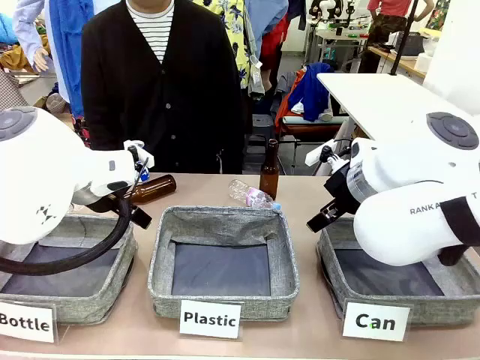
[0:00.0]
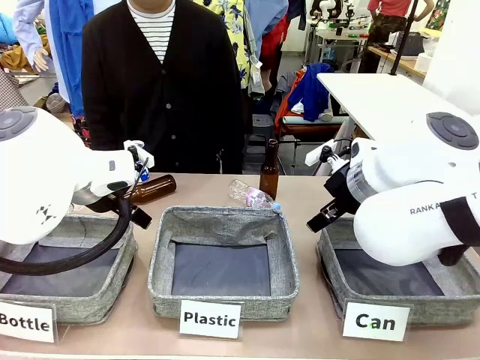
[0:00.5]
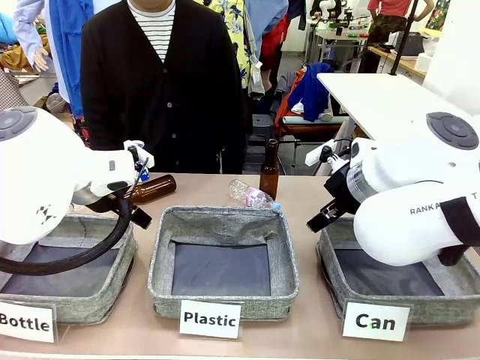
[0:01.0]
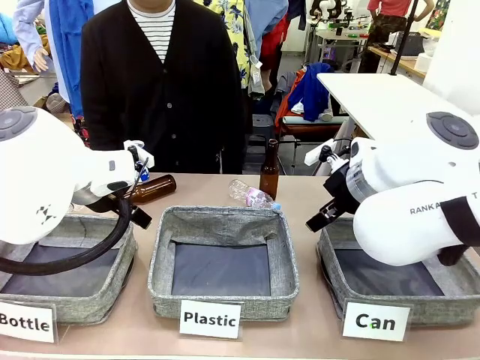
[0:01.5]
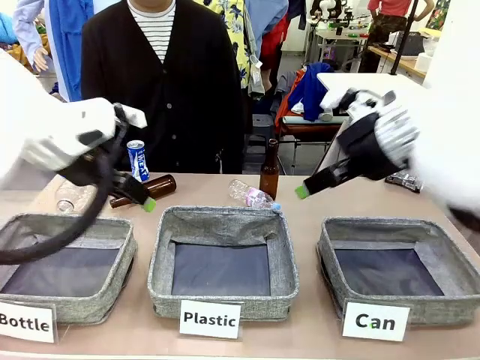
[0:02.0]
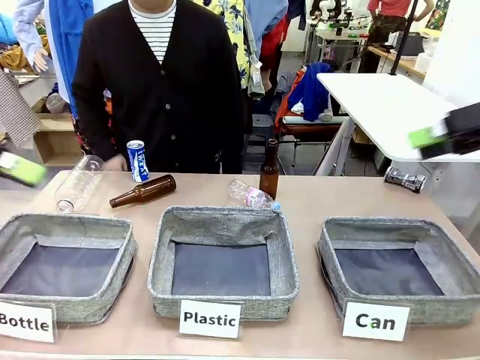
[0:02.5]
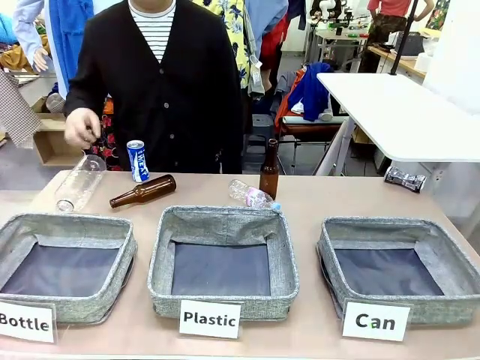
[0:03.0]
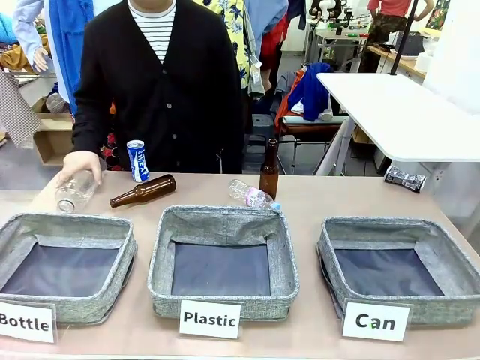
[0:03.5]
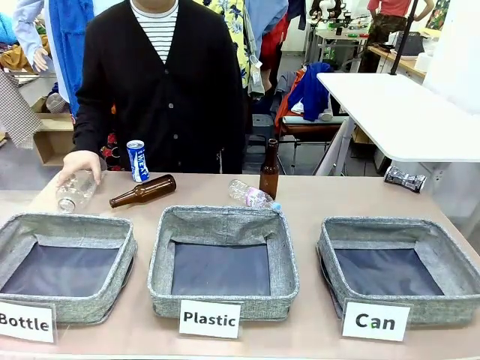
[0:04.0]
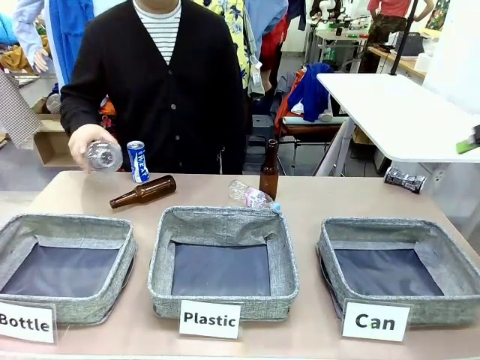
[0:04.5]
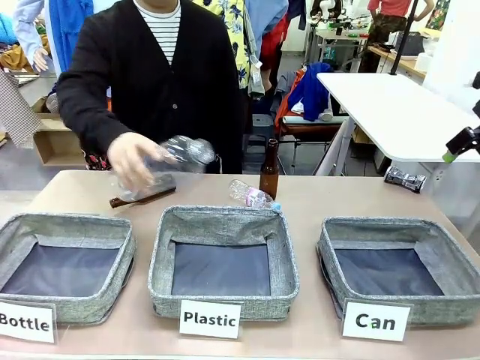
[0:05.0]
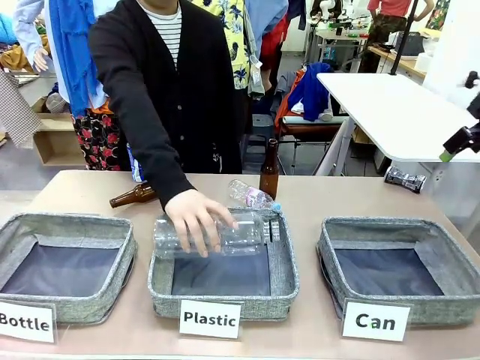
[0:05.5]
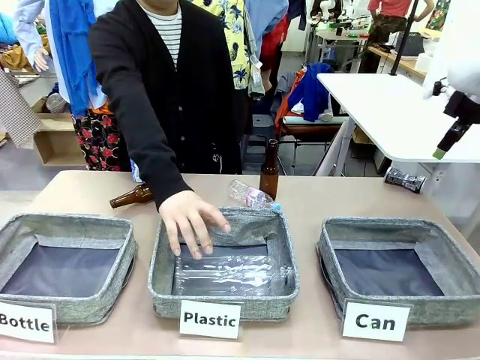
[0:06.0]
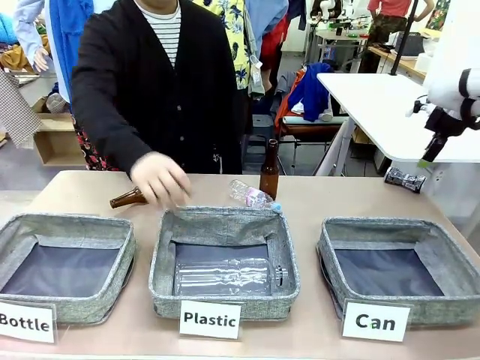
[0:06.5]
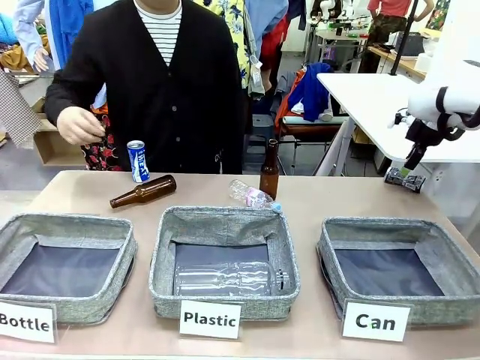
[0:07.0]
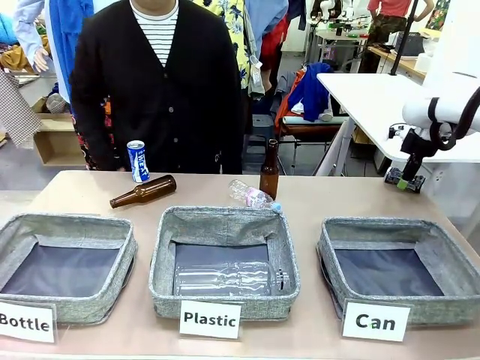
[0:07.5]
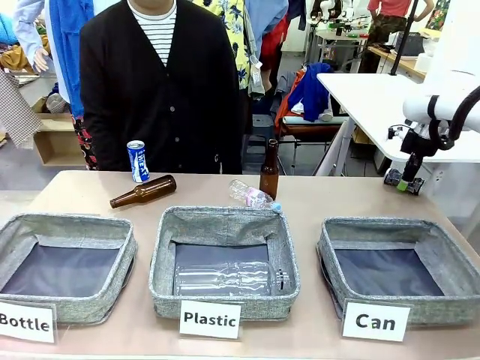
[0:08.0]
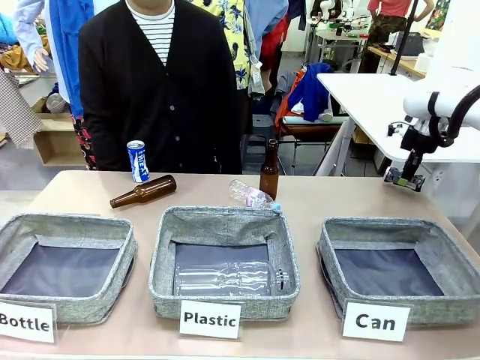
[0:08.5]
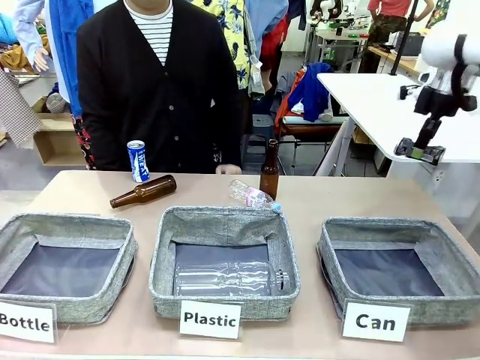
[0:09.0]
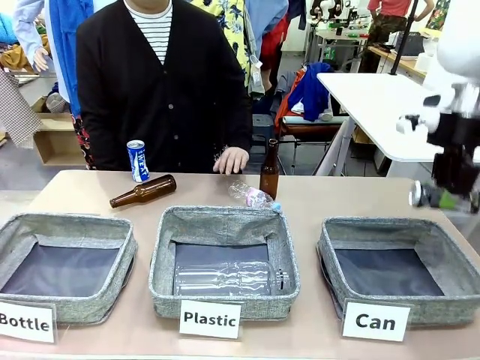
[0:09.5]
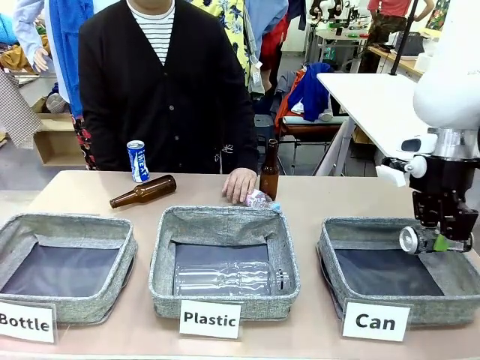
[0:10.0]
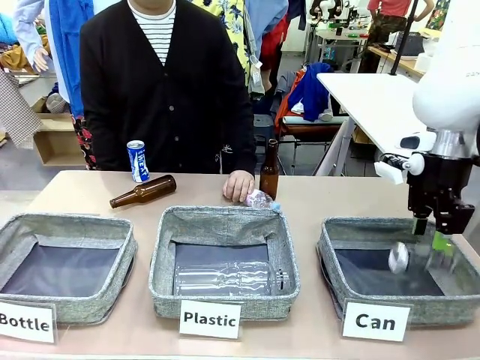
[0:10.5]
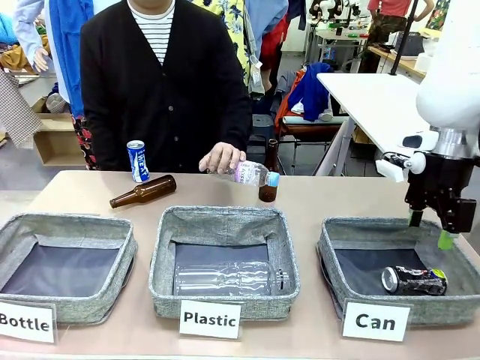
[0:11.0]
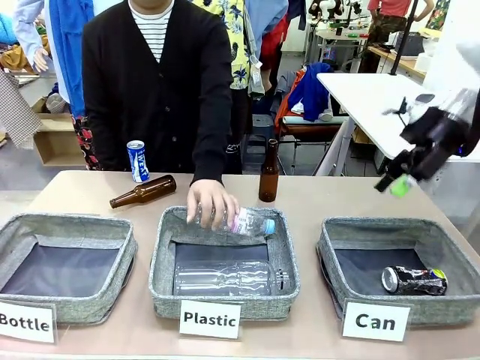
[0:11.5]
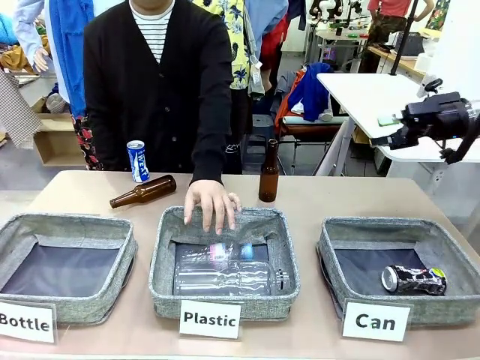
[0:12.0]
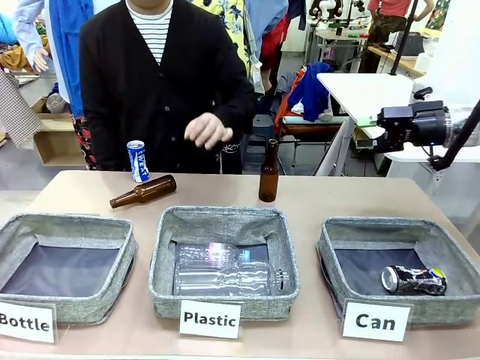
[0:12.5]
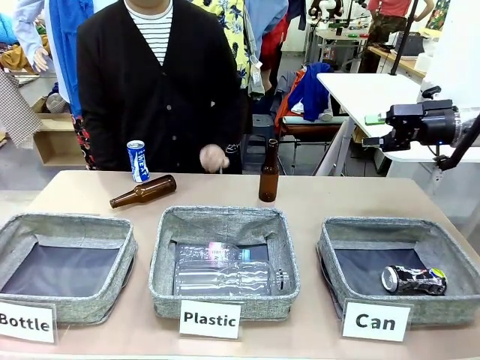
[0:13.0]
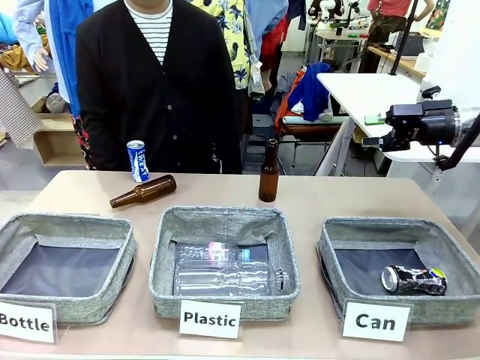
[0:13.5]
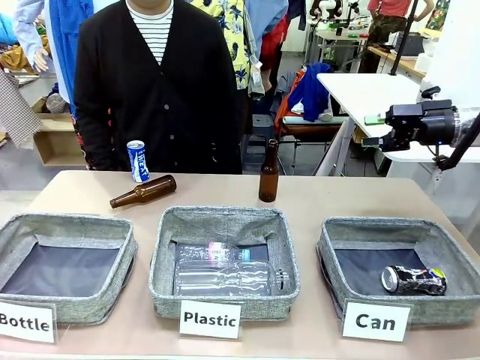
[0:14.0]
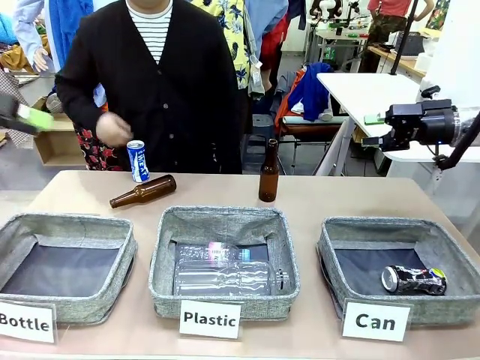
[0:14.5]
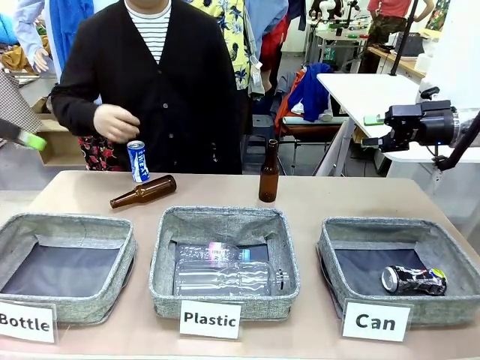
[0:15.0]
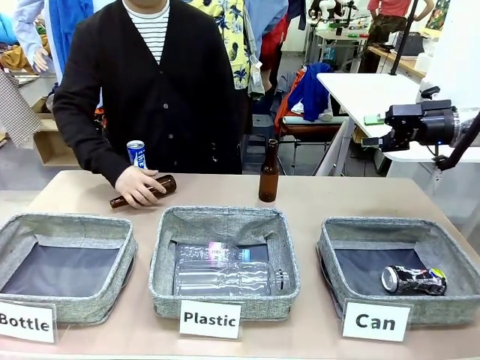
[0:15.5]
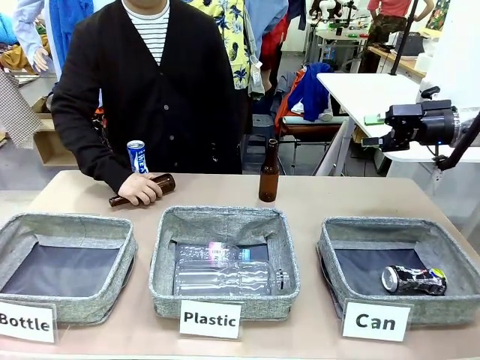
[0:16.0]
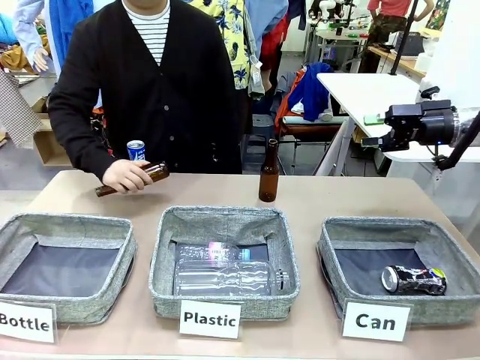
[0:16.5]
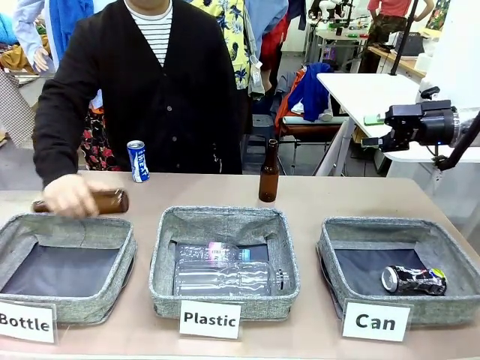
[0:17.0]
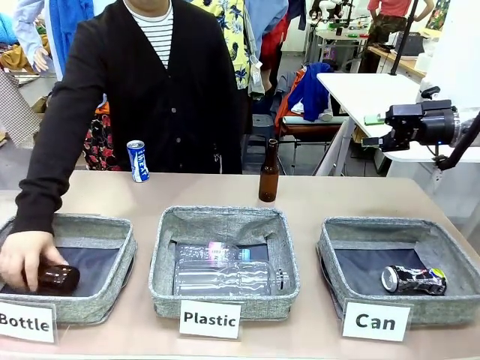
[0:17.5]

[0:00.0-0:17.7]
Task: Sort the can waste into the basket.
Robot: Pick up the can waste from the table and place it in the right Fabric basket.

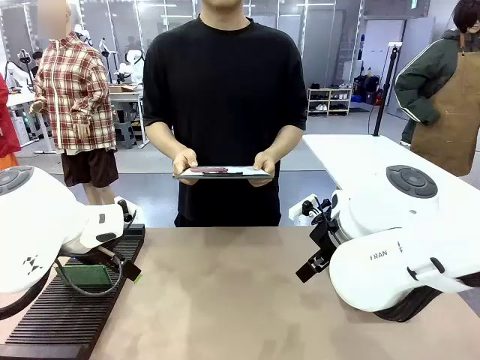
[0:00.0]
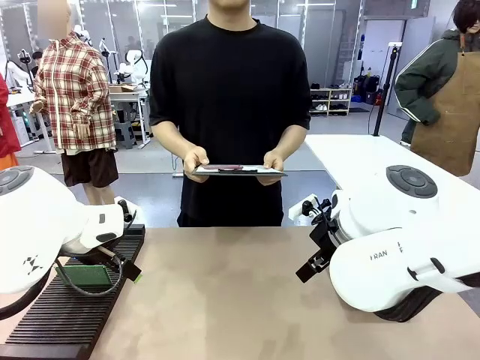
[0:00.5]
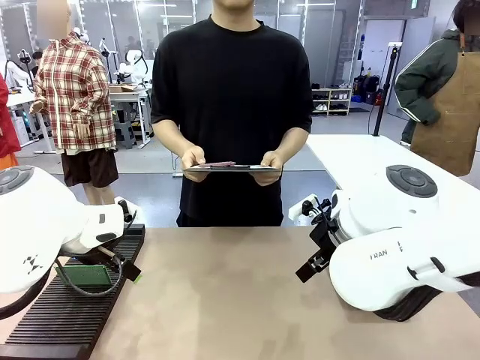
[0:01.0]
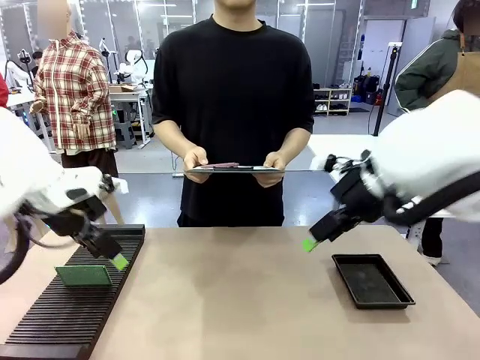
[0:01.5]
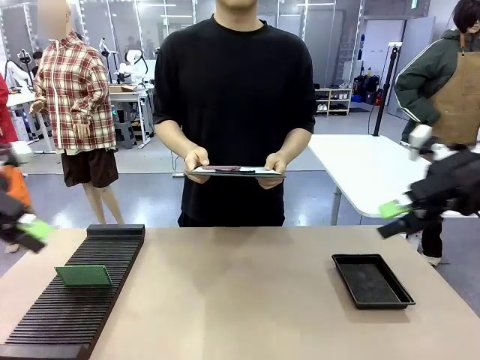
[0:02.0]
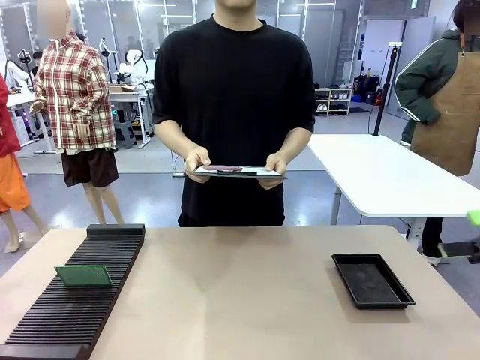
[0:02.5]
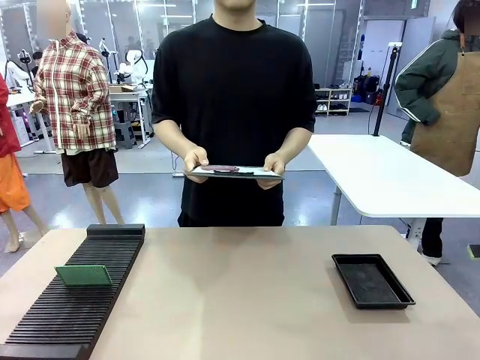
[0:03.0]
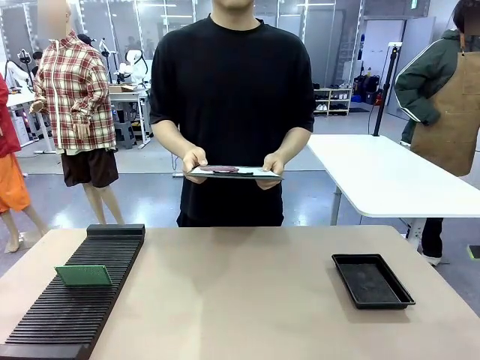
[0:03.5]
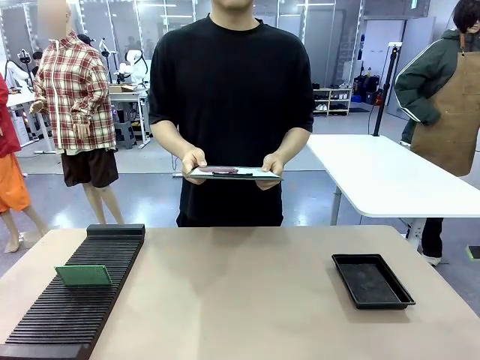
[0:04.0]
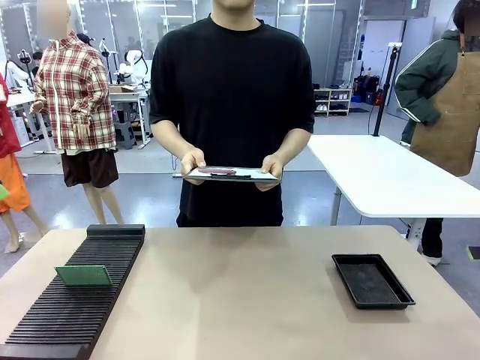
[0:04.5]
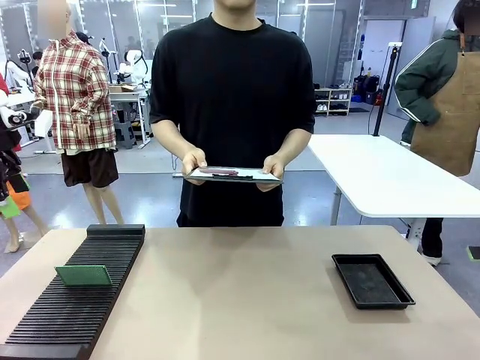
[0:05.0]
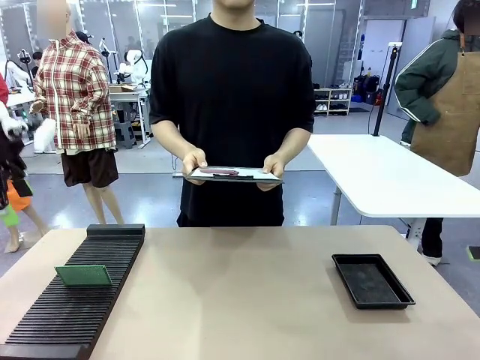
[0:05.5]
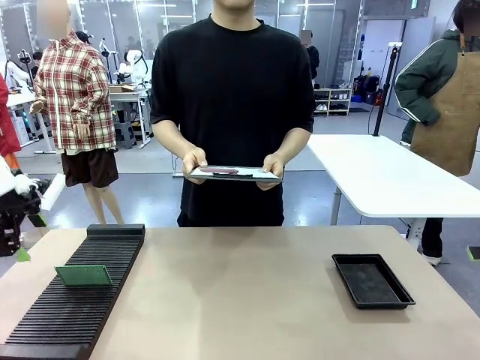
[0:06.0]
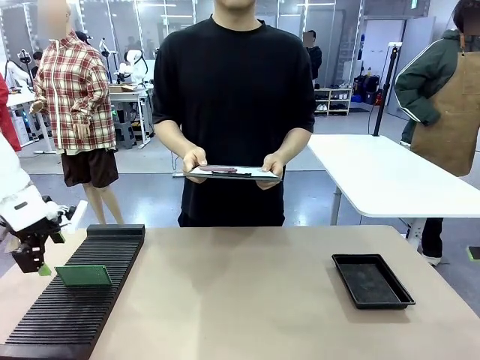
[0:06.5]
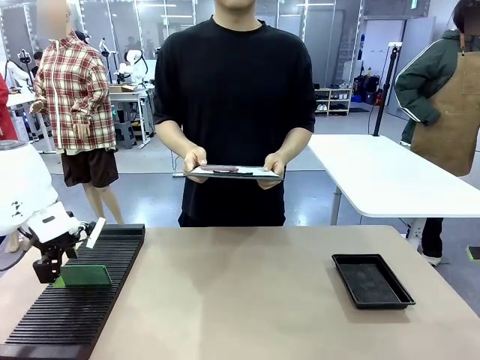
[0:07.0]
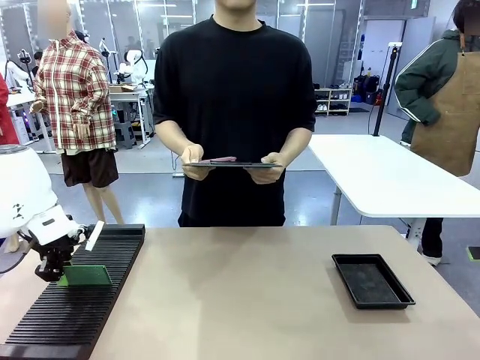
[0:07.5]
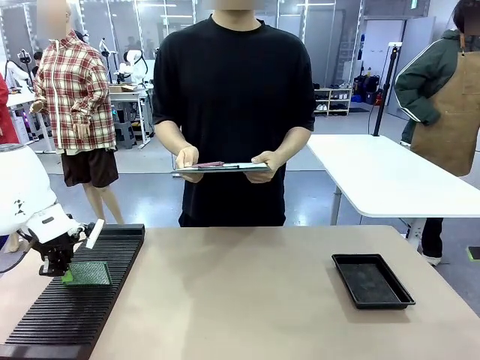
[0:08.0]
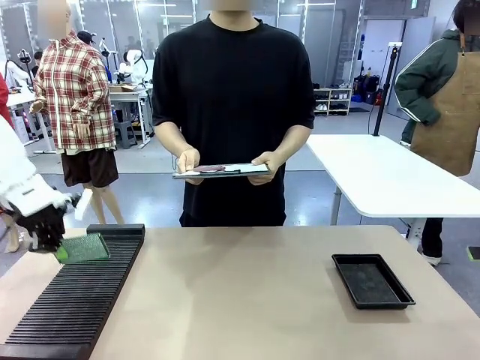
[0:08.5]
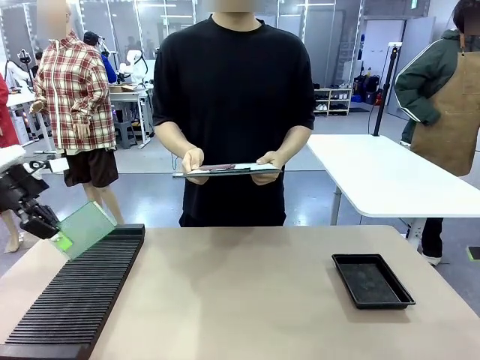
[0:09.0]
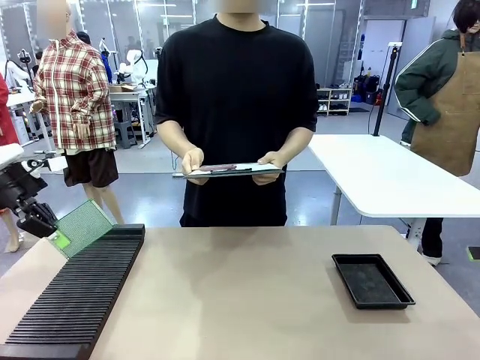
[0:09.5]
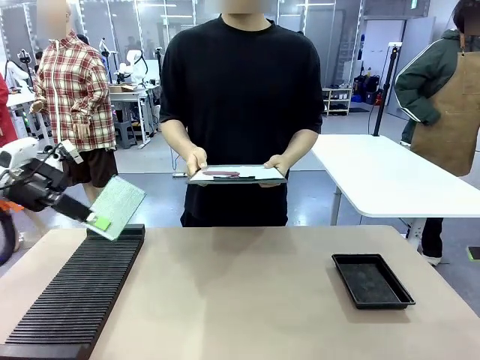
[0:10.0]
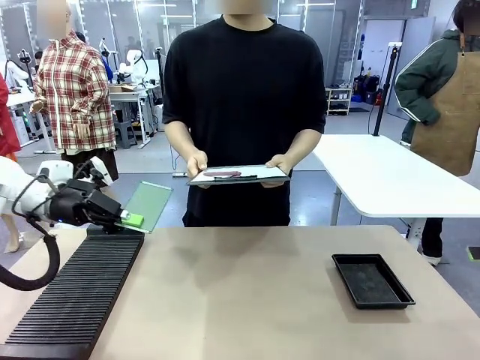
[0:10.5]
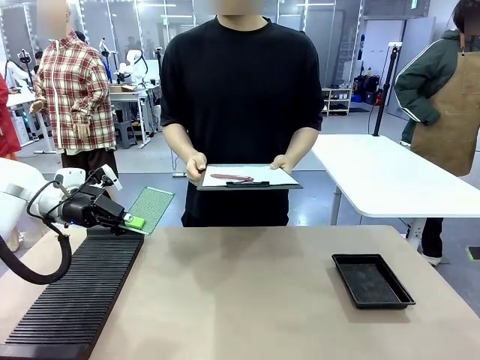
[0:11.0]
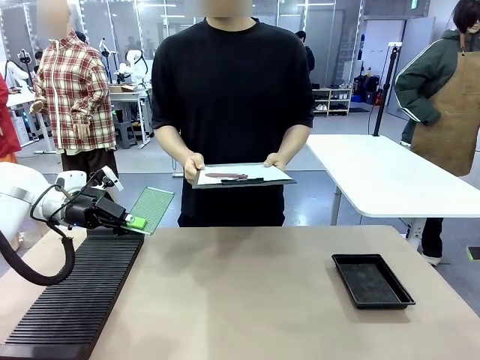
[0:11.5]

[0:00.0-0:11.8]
Task: Inspect the PCB.
Robot: Pick up the Blank PCB and present it to the human.
Person: Pick up the PCB presented by the robot.
